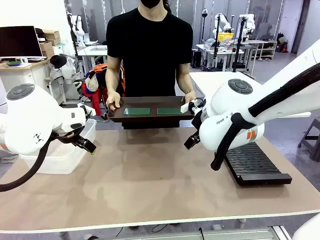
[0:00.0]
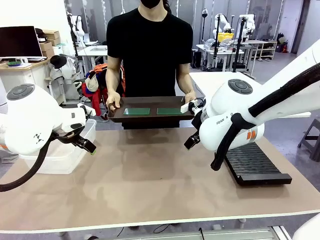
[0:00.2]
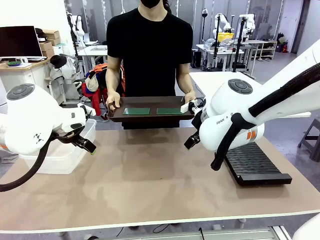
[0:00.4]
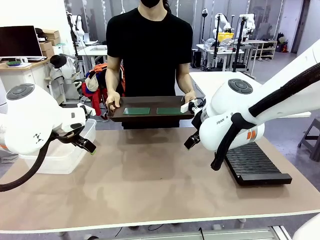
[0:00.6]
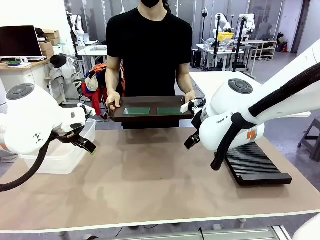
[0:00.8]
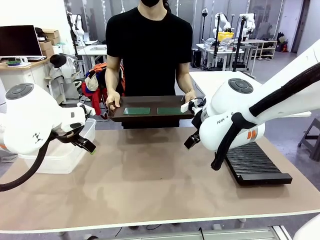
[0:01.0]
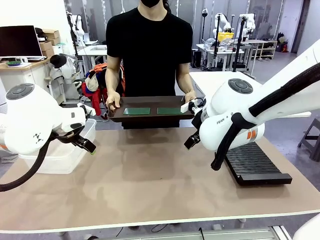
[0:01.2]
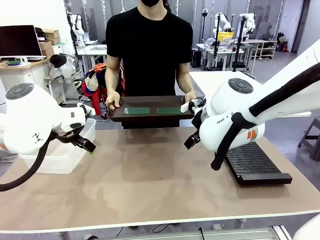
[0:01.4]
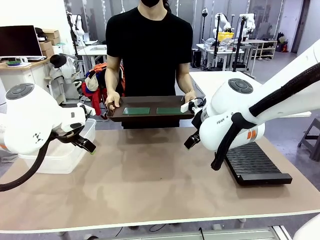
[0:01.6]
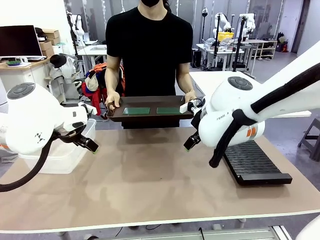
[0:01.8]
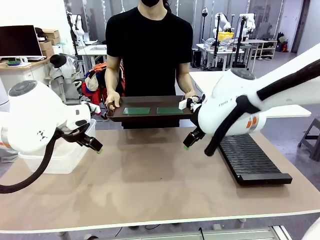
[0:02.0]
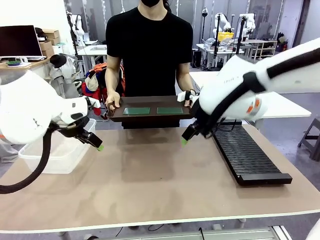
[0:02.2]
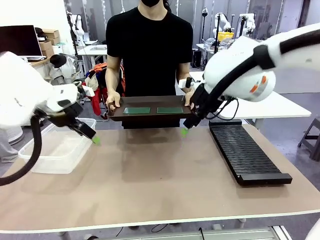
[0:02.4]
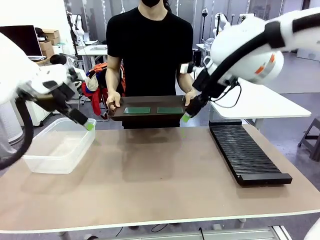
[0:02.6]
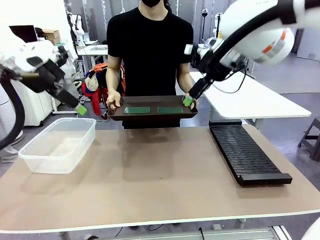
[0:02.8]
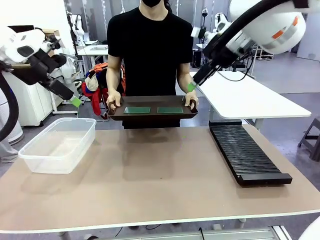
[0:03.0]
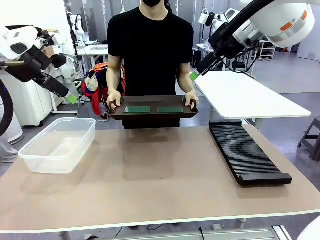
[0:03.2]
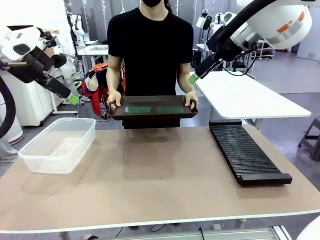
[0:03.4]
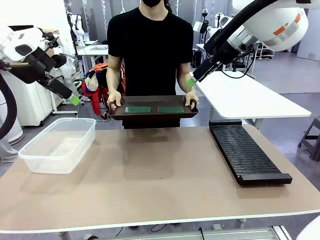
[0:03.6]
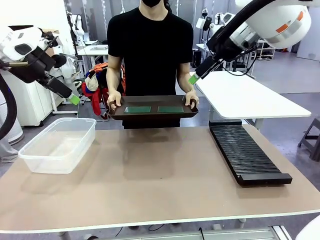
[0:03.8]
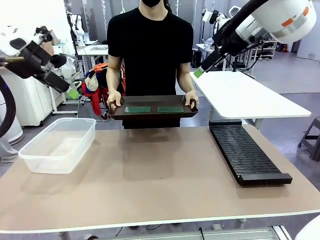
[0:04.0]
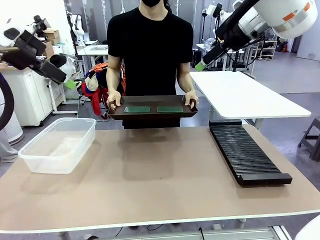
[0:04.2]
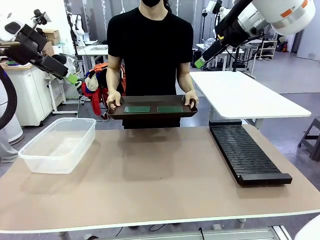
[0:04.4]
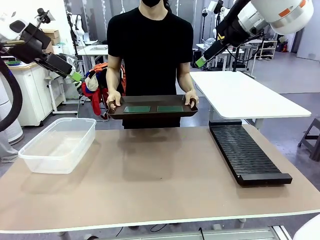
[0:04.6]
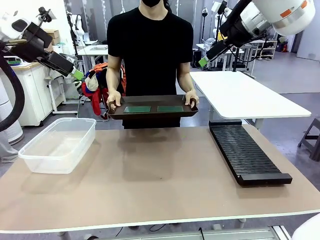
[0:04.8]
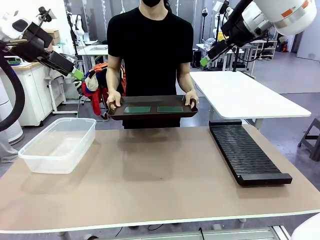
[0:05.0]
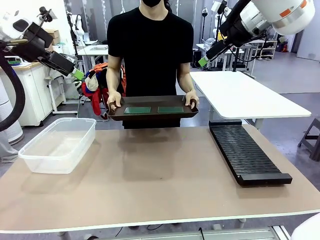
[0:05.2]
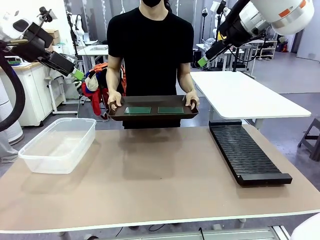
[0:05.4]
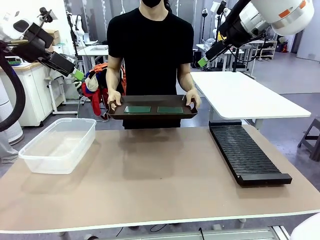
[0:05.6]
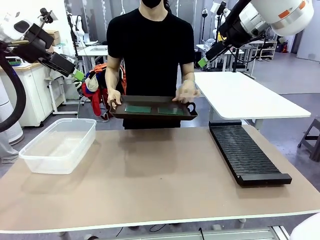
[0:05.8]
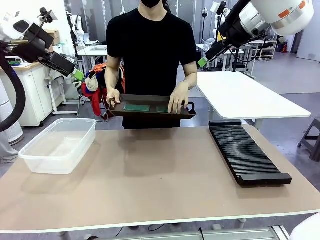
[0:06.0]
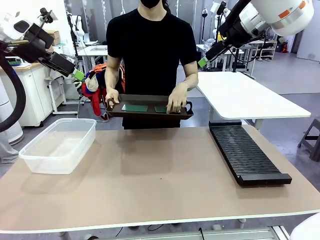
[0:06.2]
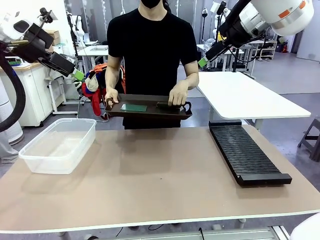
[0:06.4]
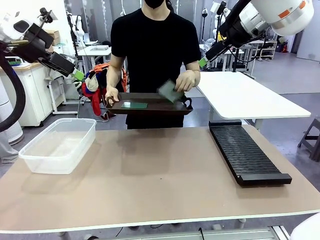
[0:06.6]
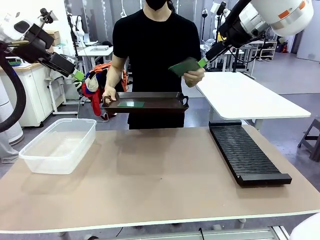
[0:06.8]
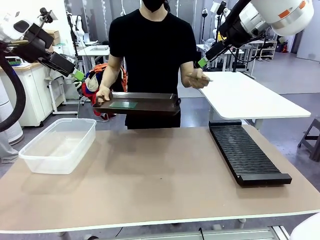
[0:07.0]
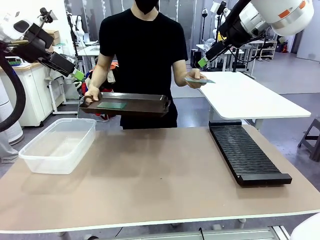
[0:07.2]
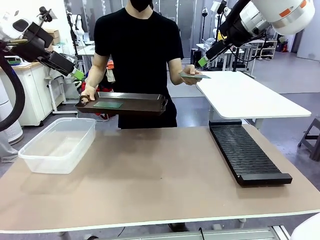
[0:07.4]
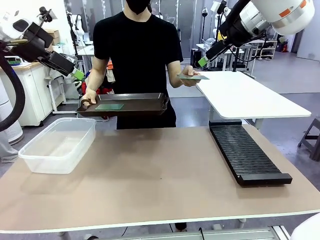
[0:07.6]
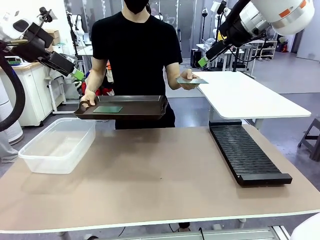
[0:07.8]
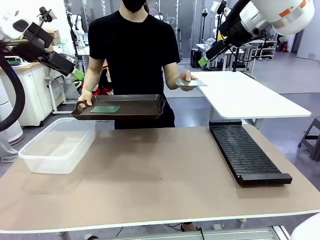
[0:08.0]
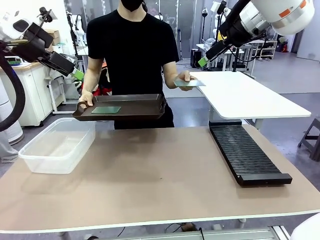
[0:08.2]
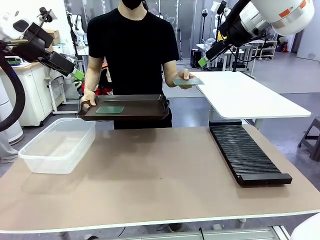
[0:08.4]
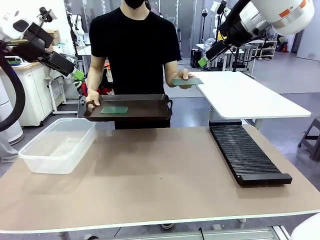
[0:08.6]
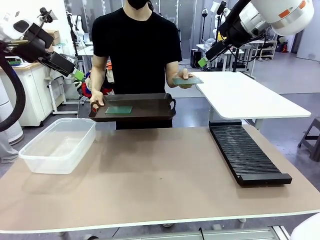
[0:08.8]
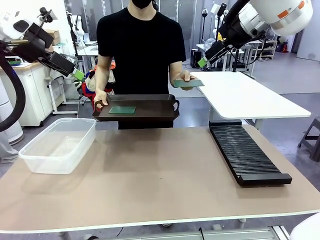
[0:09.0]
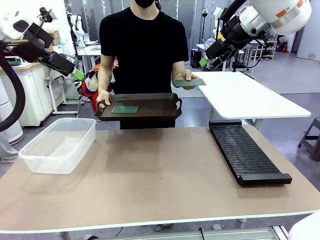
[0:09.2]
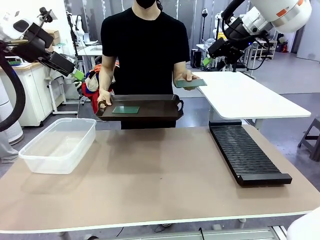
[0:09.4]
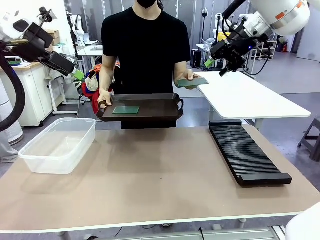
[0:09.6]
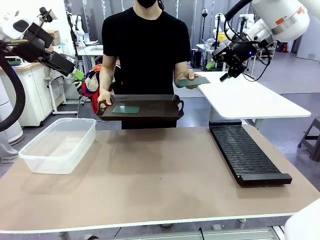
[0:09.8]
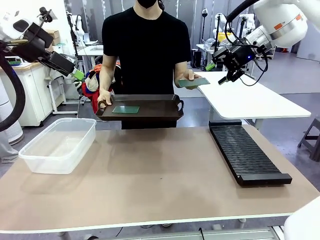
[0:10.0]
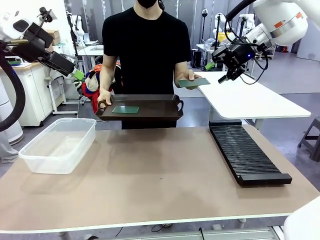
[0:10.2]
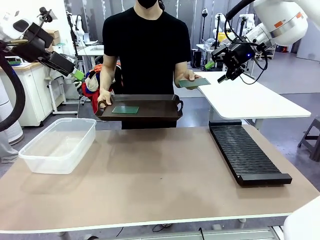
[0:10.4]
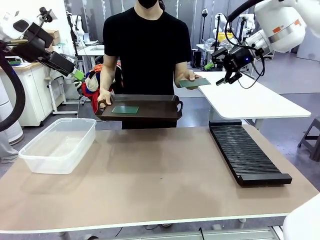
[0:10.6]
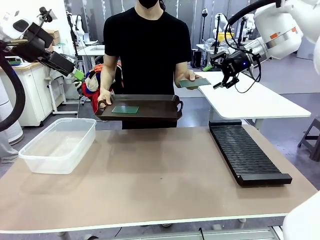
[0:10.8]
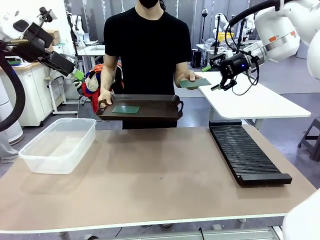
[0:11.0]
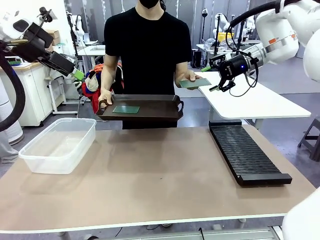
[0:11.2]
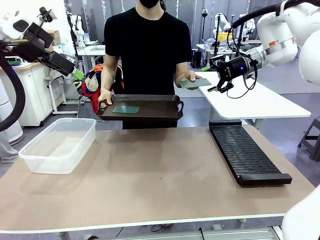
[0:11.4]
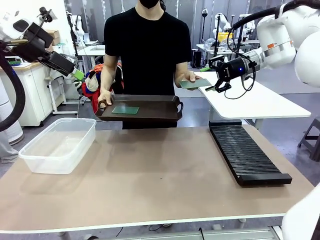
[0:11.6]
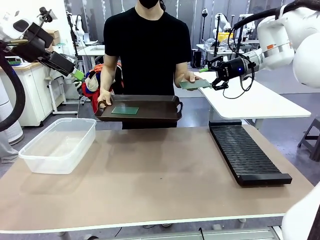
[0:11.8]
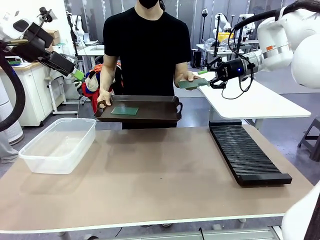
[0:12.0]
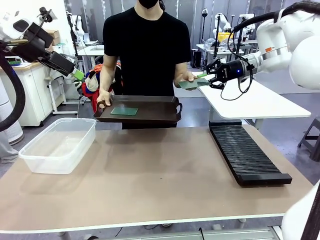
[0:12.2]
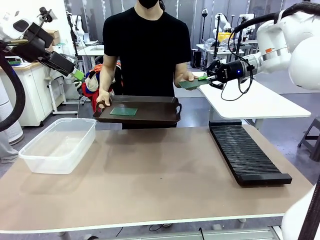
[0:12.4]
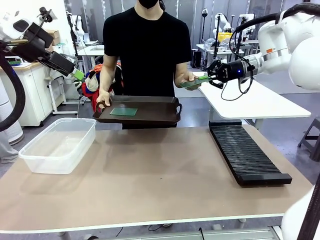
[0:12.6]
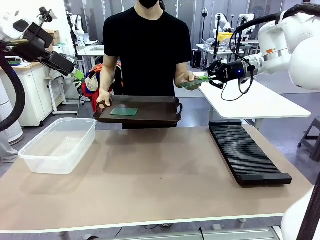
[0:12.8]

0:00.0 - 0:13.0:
Task: Sort PCBs into racks and boxes based on the side picked up.
Robot: Pick up the Blank PCB handed by the Human.
Person: Pick one PCB from the tray and present it to the robot. Release the PCB being held.

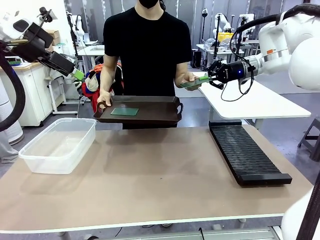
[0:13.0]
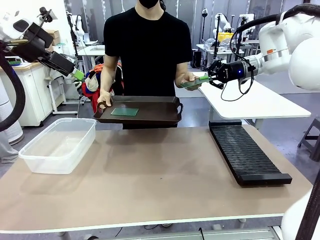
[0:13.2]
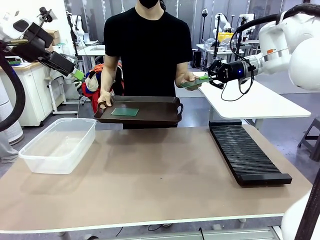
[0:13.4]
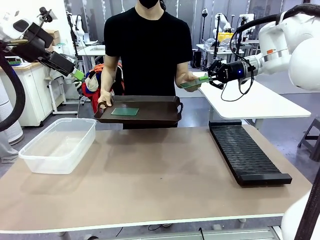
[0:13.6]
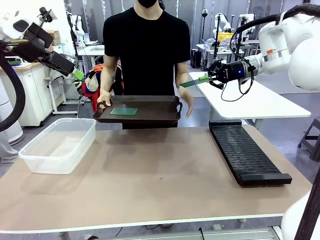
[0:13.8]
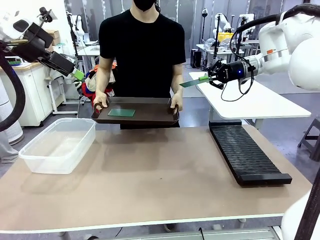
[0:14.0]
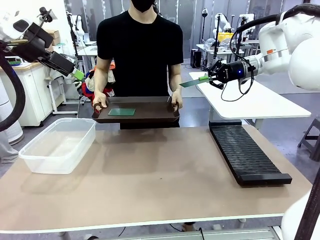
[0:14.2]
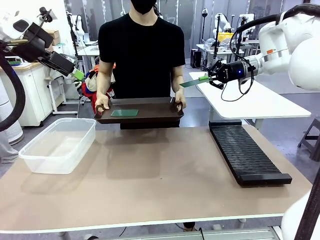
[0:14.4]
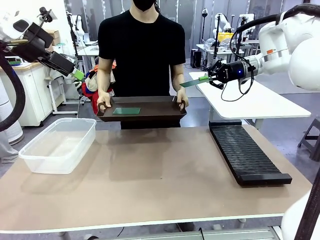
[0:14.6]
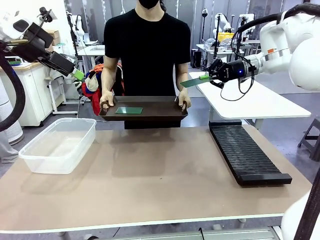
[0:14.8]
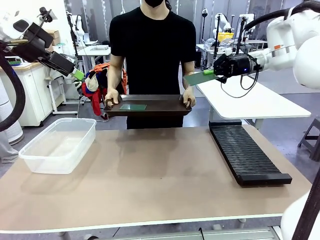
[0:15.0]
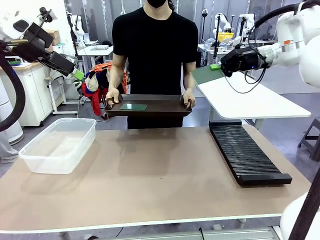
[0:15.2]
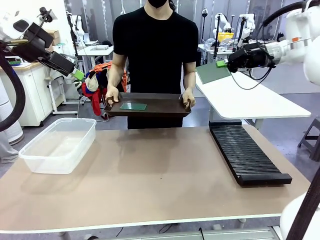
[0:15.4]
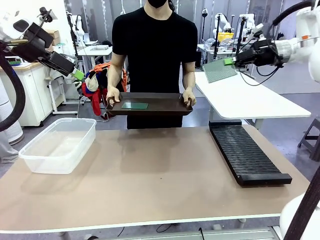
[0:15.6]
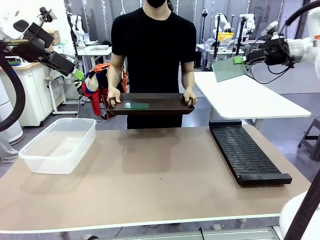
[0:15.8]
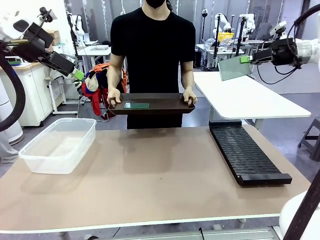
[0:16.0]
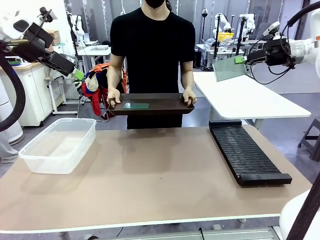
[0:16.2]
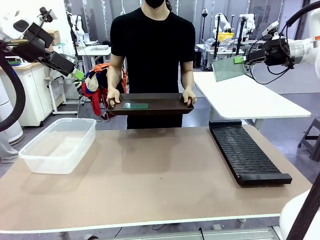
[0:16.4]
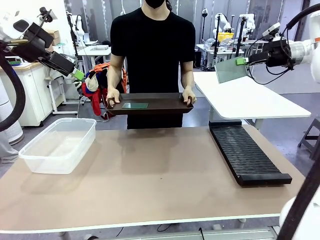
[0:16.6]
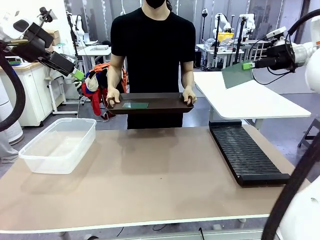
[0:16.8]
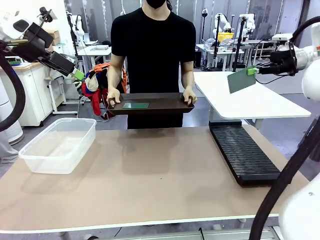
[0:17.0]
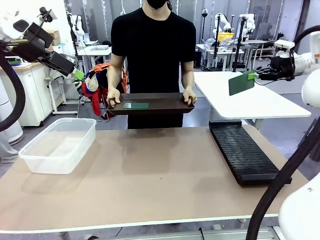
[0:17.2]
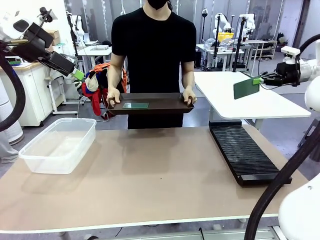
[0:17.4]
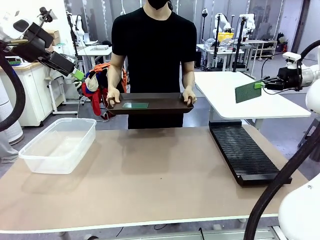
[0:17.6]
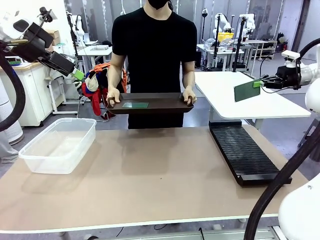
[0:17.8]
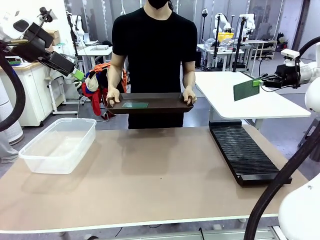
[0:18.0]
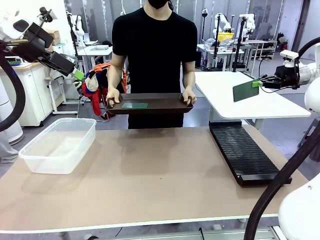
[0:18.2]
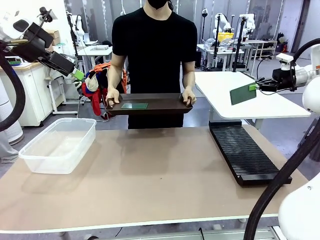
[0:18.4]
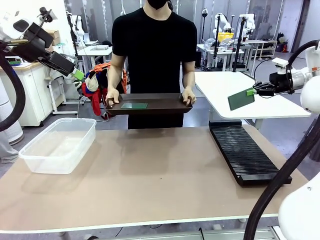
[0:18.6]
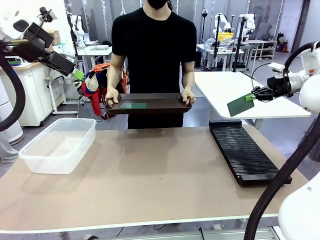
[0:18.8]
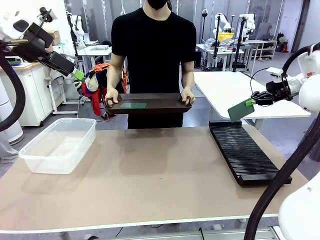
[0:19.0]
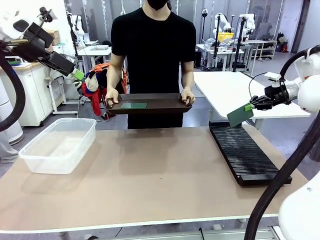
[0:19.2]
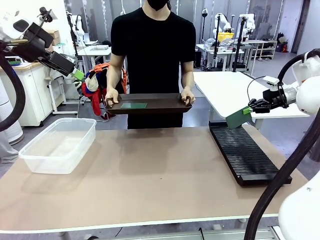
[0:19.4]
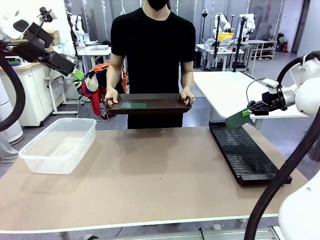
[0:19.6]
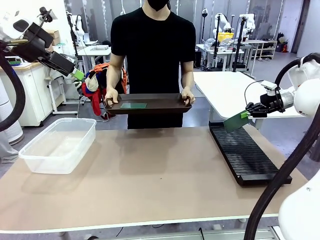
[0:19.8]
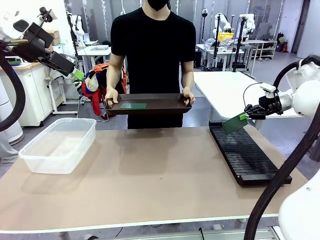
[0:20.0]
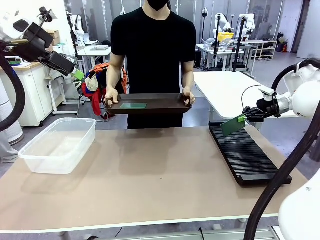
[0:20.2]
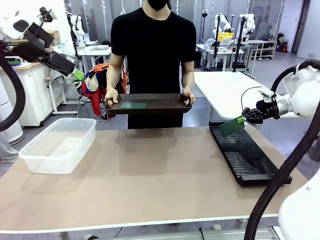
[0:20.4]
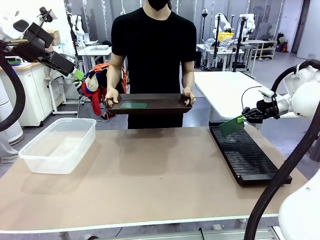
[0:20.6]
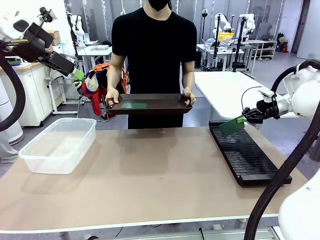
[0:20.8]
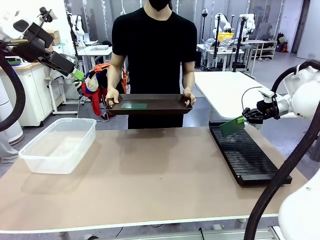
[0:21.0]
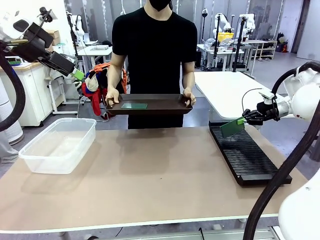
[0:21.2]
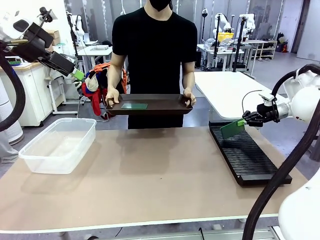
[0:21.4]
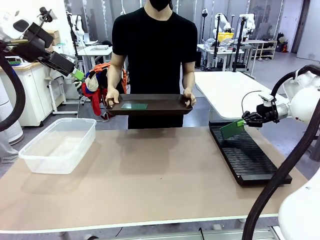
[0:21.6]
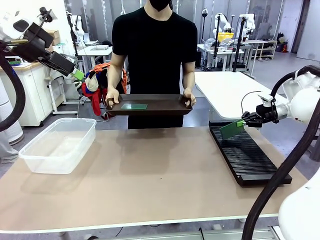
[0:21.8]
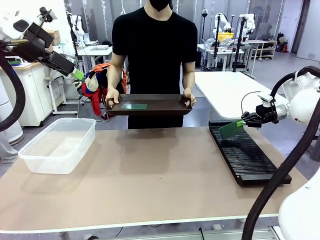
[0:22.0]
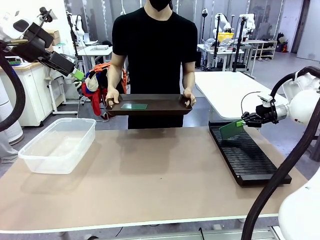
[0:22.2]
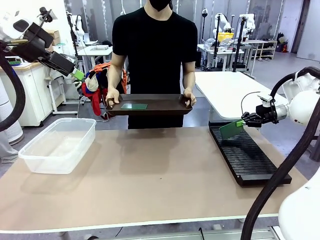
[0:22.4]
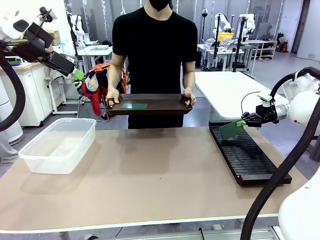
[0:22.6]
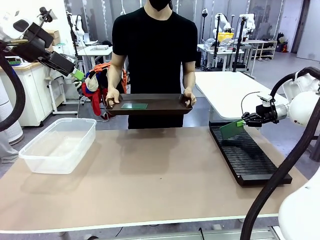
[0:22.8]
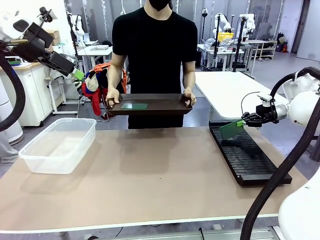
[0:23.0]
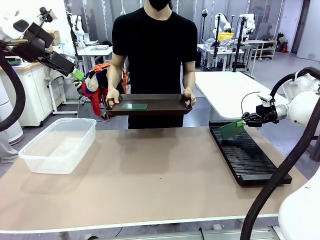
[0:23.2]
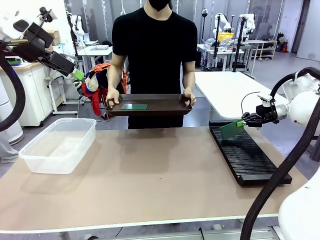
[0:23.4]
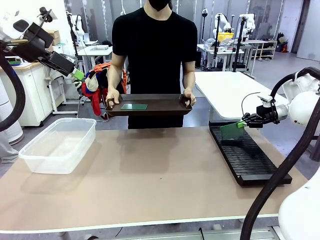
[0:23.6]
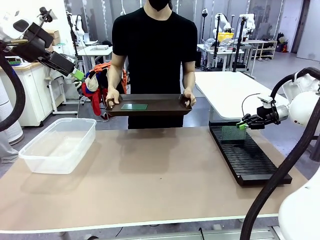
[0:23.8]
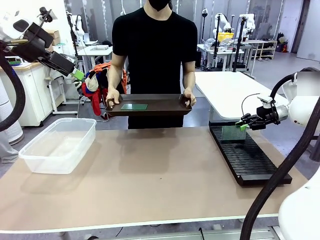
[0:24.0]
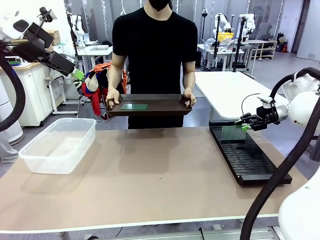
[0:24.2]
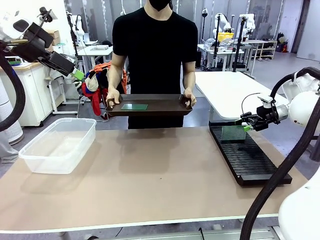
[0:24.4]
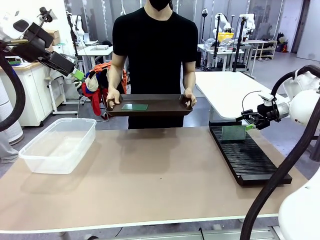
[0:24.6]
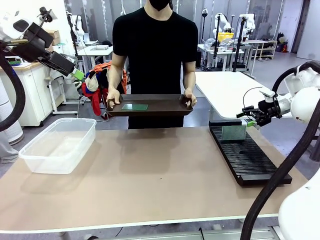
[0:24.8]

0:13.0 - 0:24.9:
Robot: If the short side of the Blank PCB is picked up, insert it into the PCB Rack ; if the long side is picked up, place it in the Organizing box.
Person: Pick one PCB from the tray and present it to the robot.
